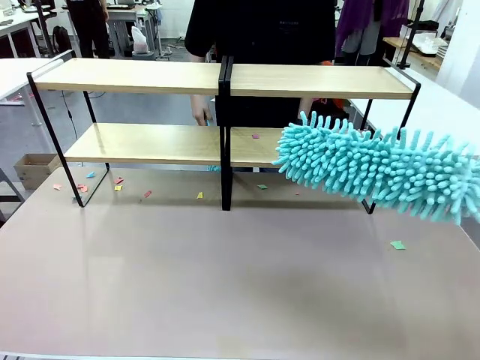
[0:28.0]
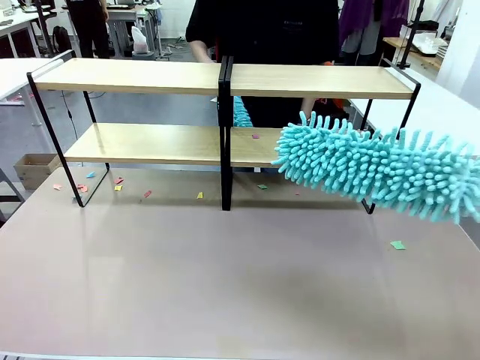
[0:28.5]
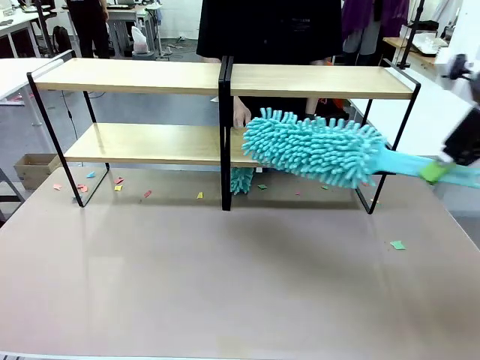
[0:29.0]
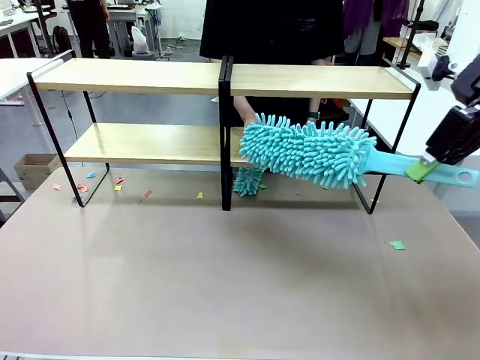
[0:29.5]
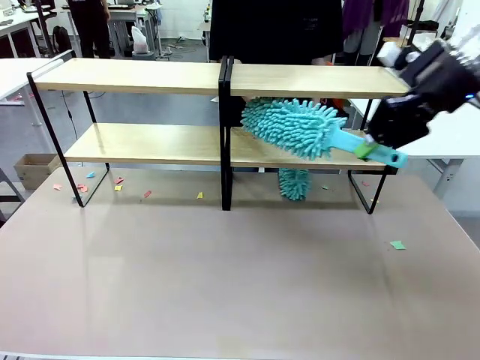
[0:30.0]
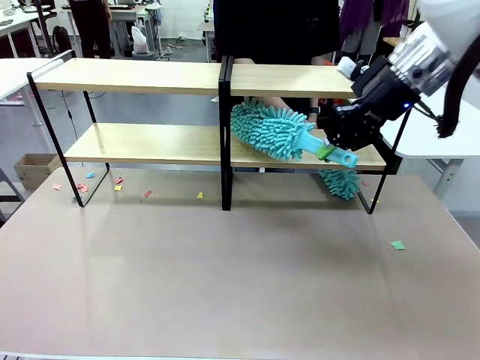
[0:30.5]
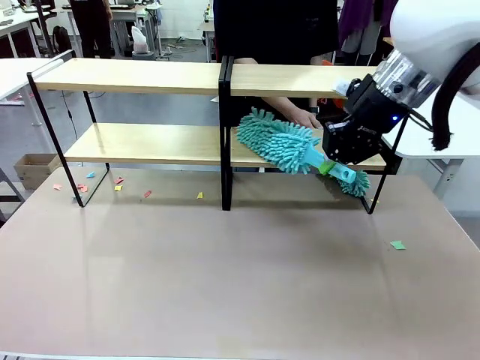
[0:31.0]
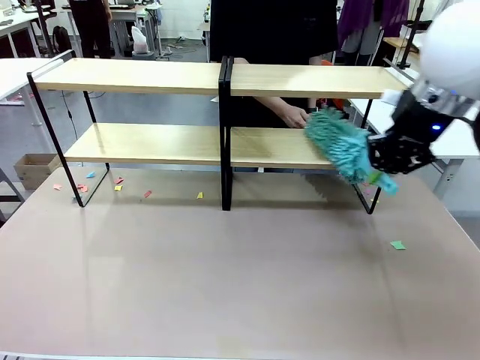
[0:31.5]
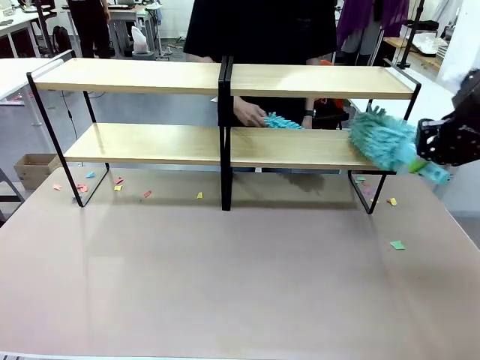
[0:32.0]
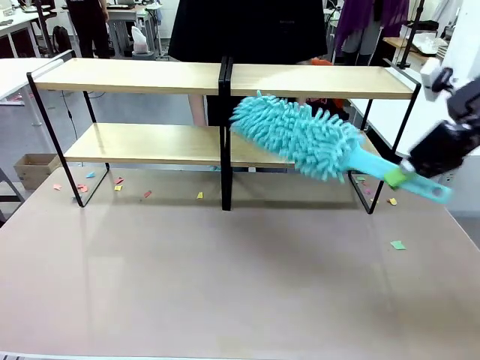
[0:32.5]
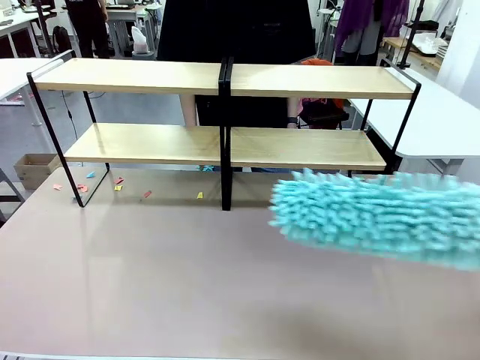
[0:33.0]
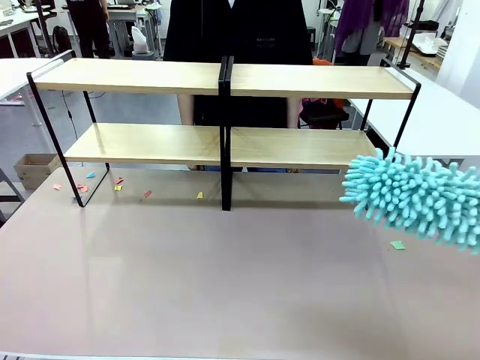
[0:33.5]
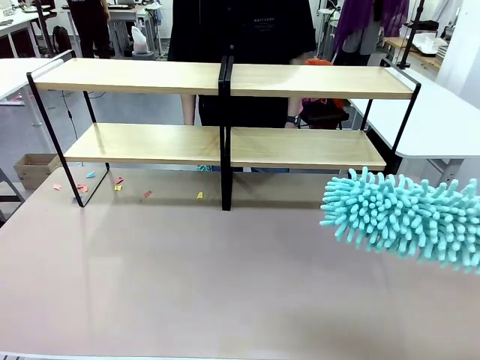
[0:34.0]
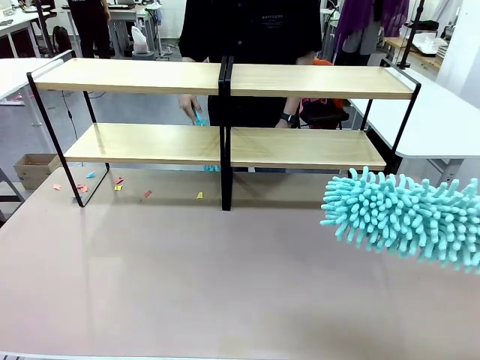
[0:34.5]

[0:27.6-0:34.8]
Task: Clean the shelves.
Robot: Clean another randomly selected level of the Shelf with the Duster.

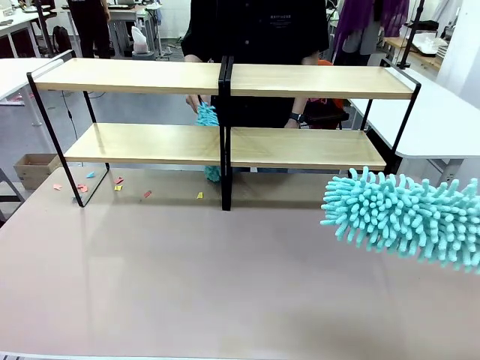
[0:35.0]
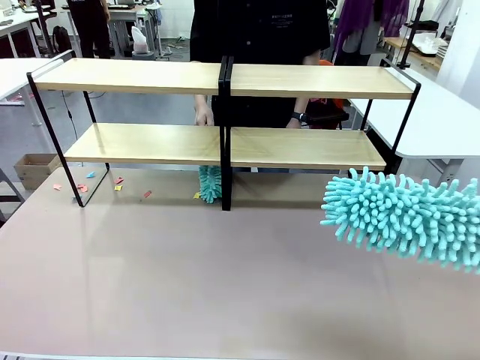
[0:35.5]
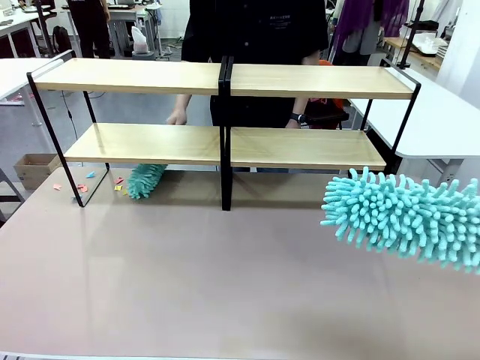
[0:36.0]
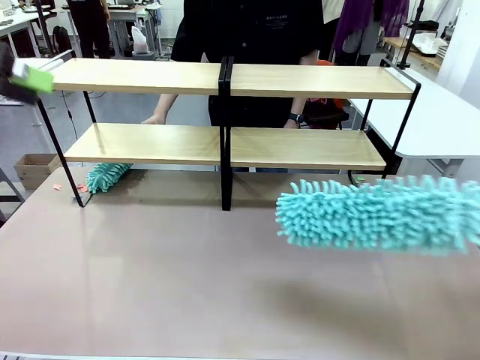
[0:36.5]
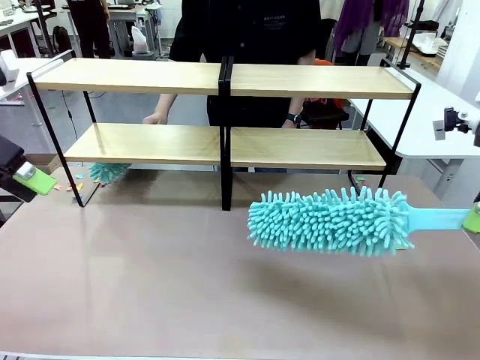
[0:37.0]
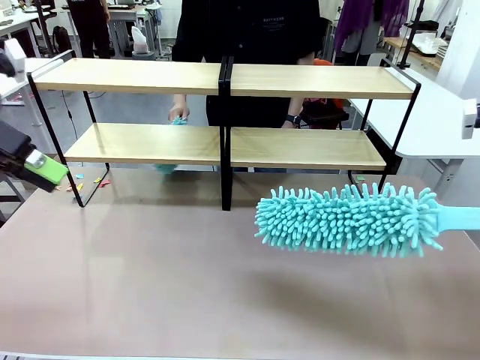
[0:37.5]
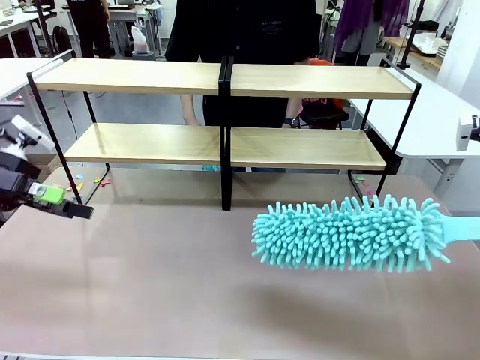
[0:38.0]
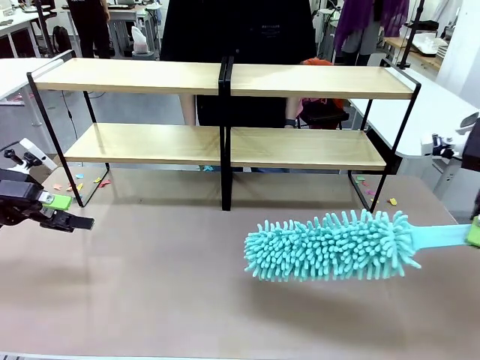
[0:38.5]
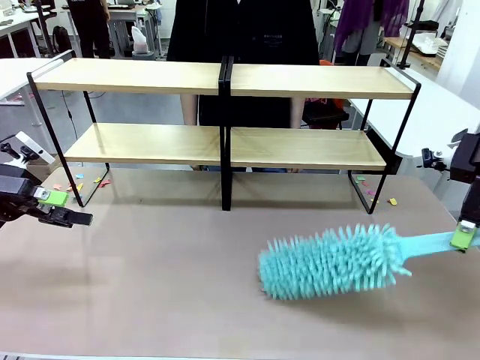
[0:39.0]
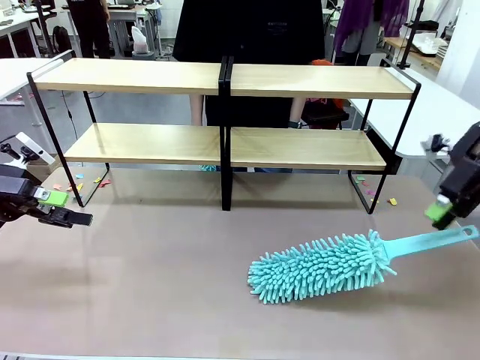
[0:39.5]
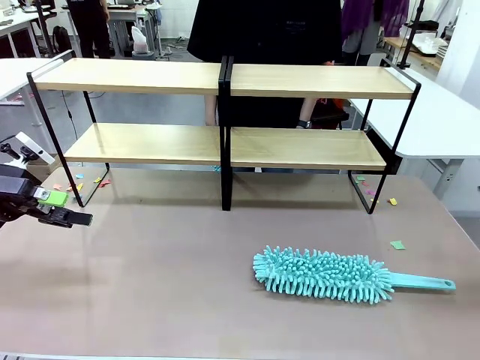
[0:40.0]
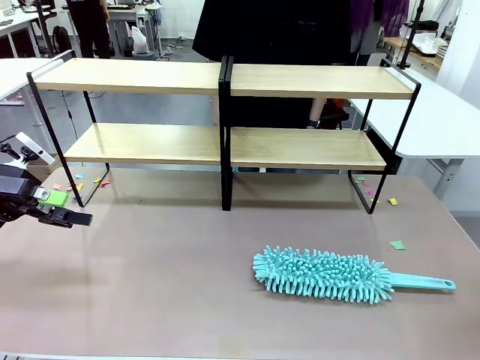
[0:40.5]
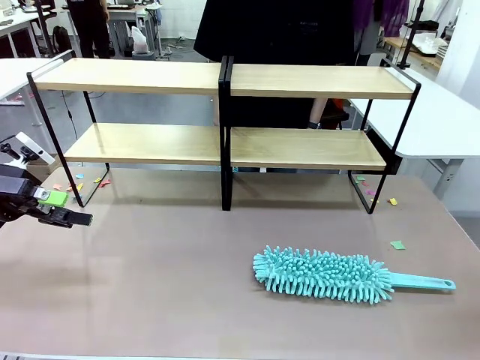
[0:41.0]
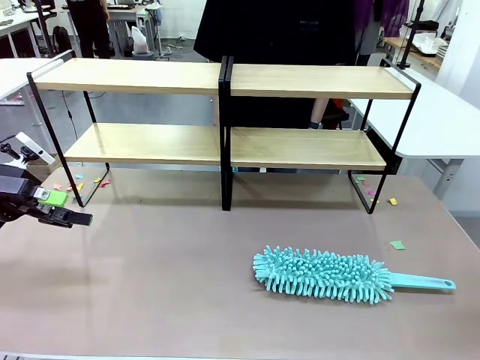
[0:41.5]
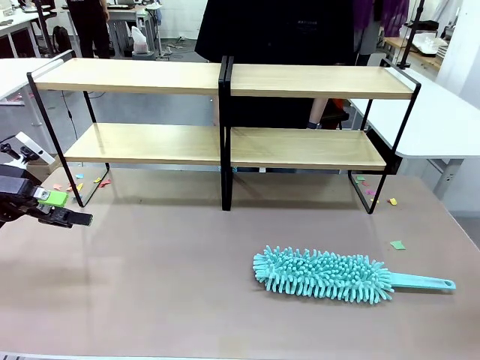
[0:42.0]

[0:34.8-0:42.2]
Robot: Place the Duster on the table.

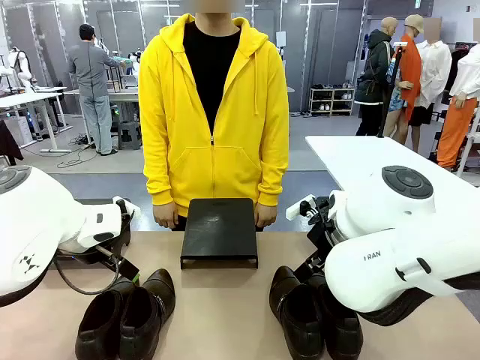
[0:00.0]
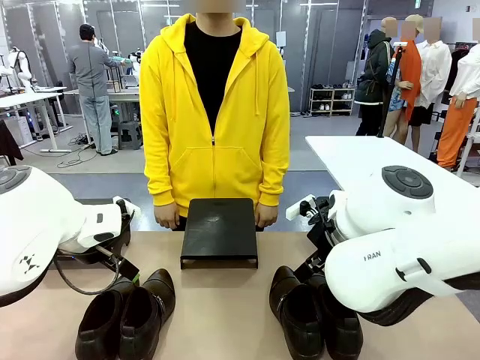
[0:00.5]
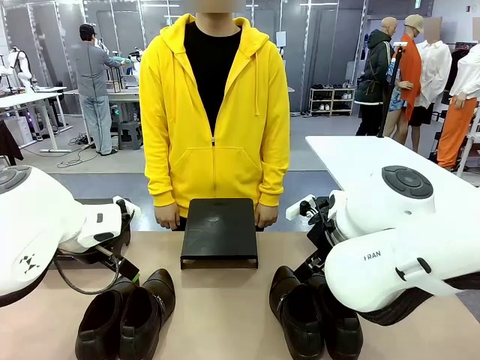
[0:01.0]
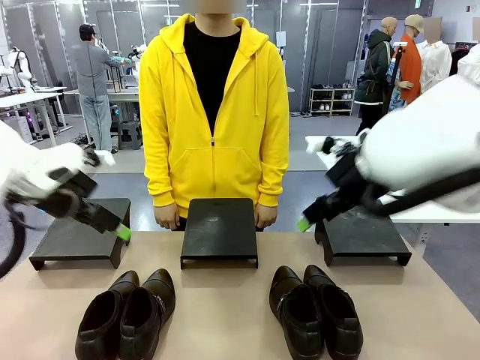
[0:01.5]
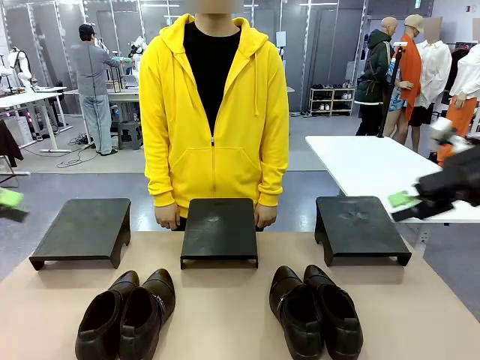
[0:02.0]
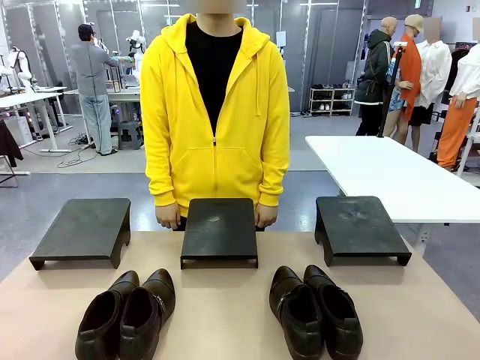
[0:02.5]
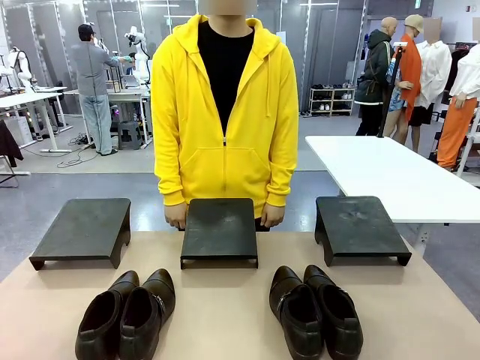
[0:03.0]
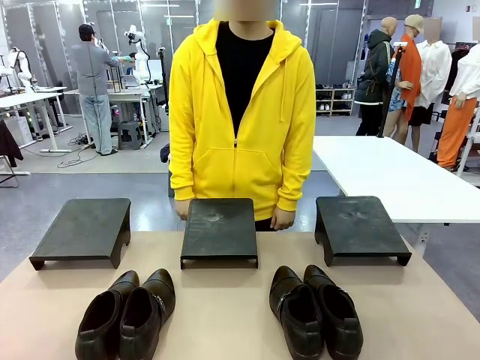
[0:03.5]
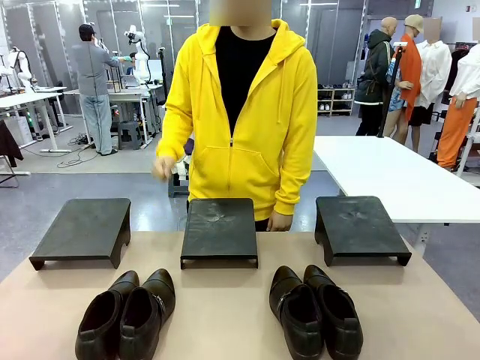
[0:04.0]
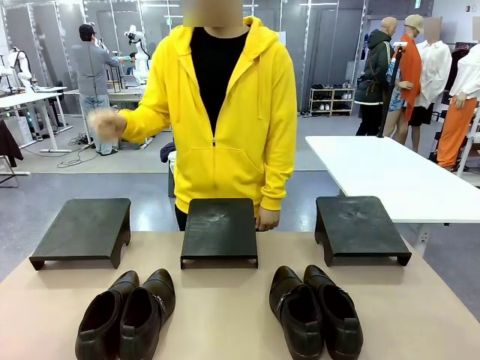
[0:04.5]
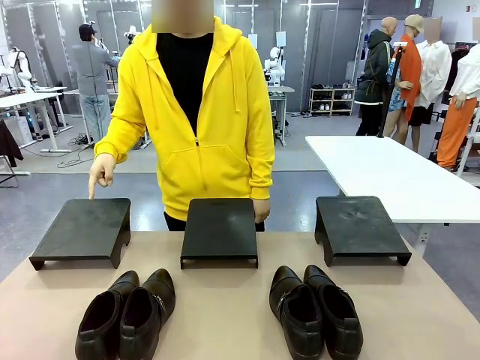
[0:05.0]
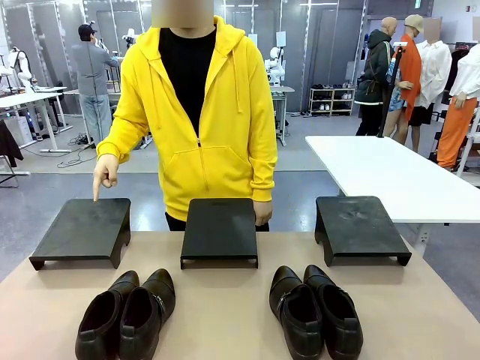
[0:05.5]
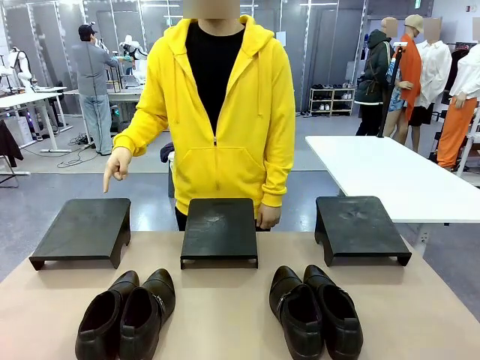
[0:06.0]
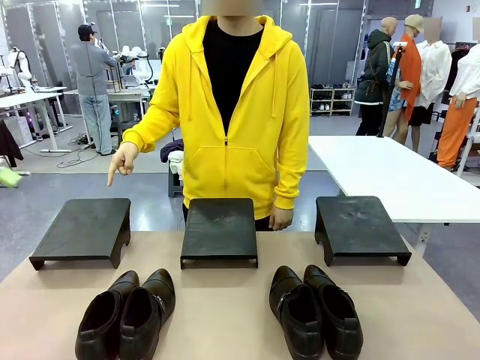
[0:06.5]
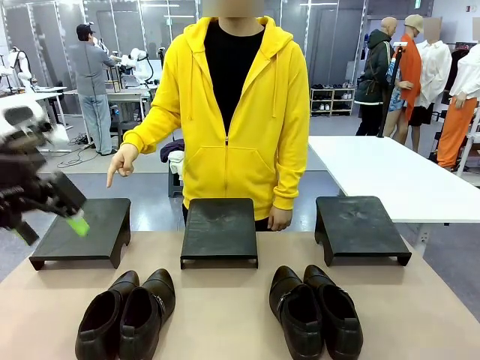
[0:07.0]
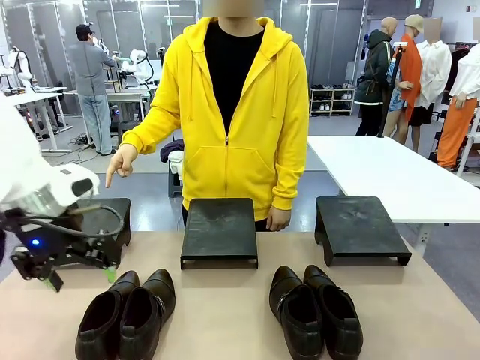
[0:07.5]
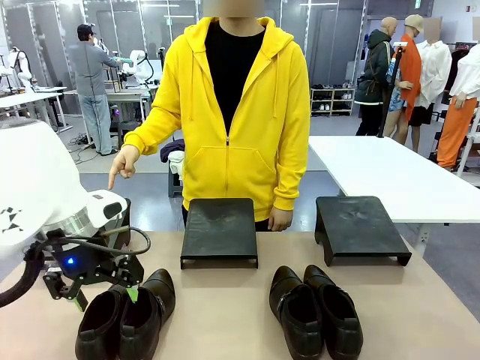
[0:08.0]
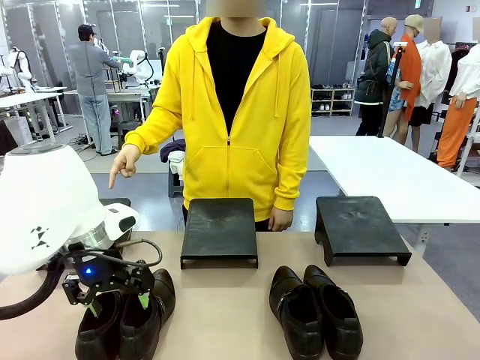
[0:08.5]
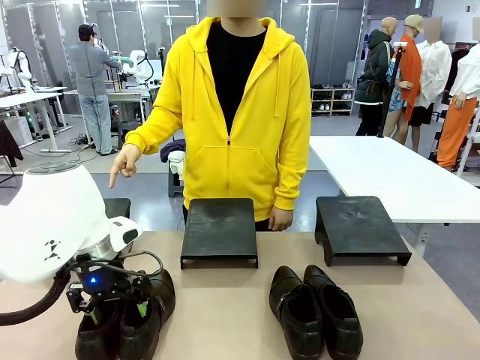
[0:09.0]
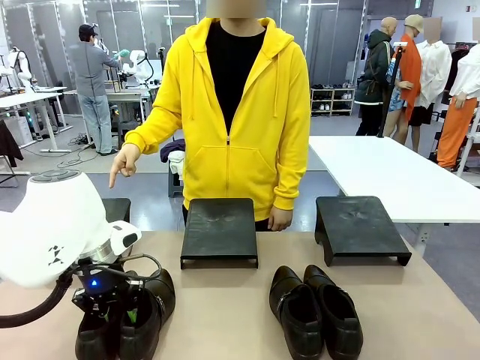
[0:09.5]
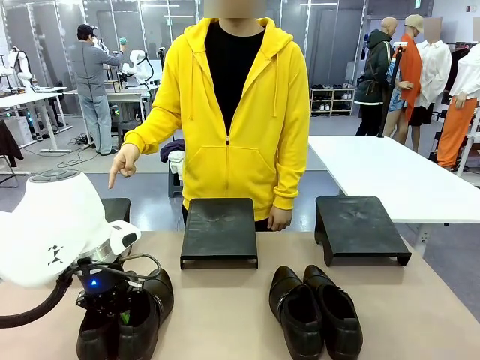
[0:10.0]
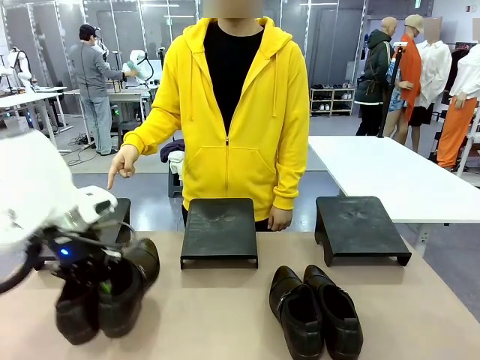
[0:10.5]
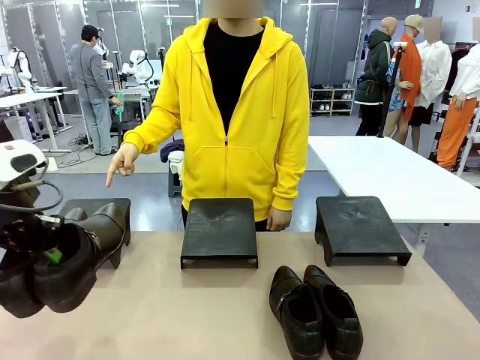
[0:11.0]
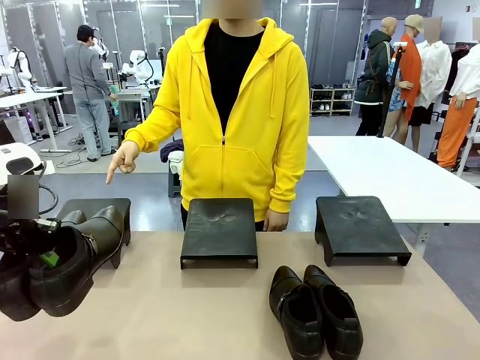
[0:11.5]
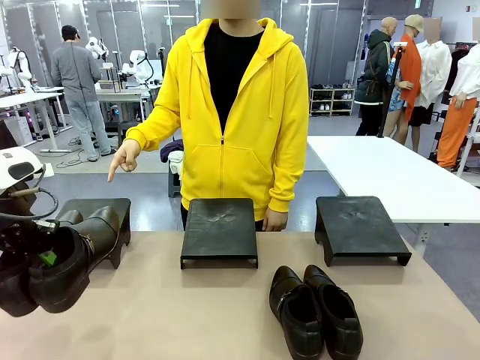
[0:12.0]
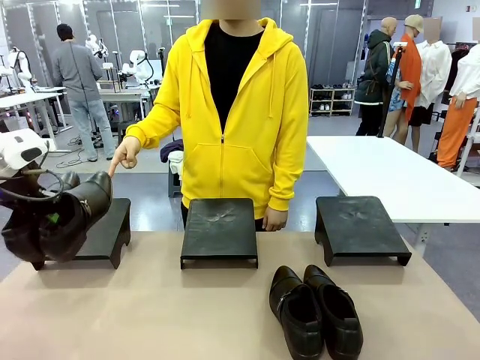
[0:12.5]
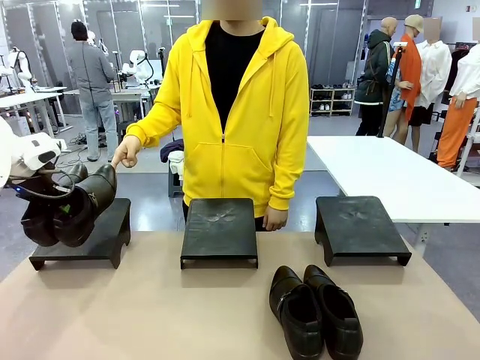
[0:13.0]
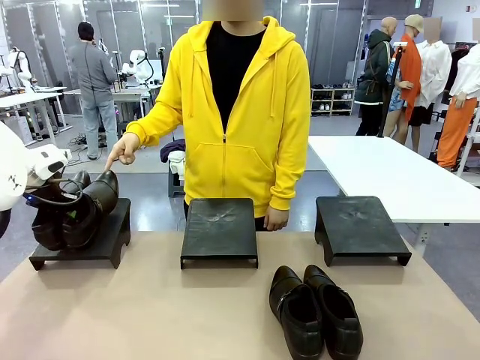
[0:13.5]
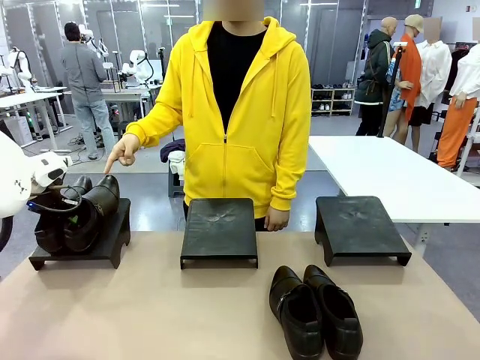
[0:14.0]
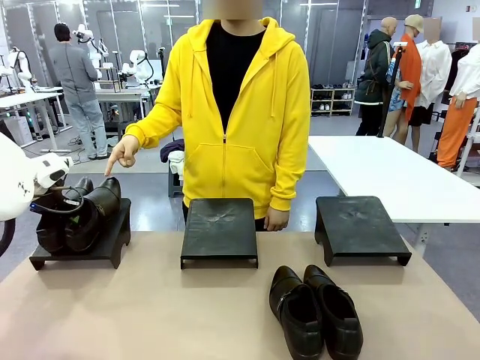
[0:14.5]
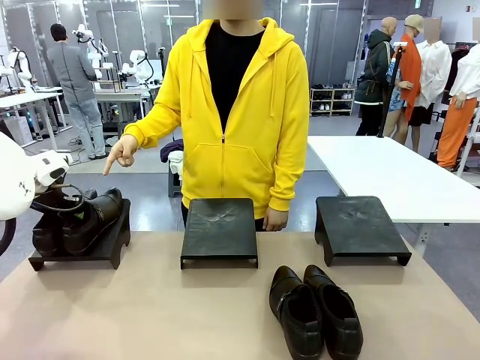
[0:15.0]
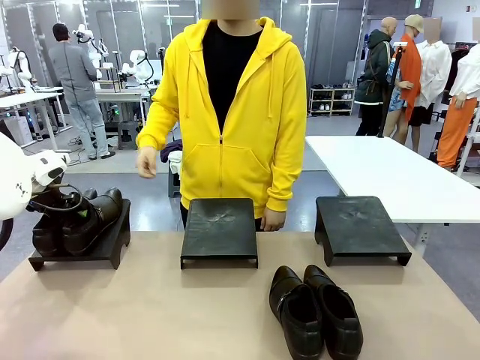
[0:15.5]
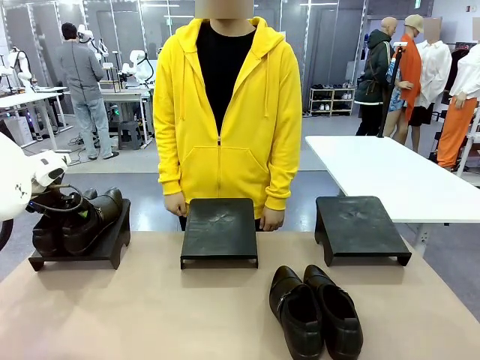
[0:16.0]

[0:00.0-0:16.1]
Task: Place the shoes on the stand as instructed by the person.
Robot: Pick up one pair of Shoes and place it on the Shoes Stand indicated by the person.
